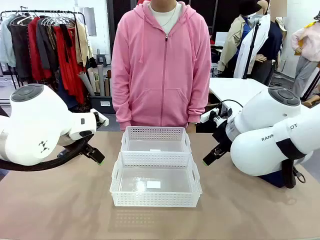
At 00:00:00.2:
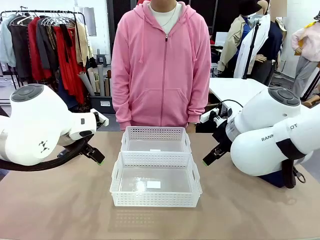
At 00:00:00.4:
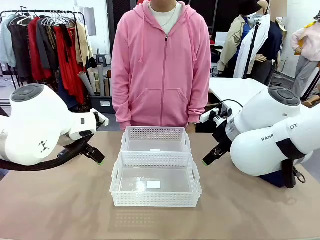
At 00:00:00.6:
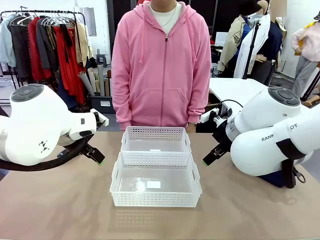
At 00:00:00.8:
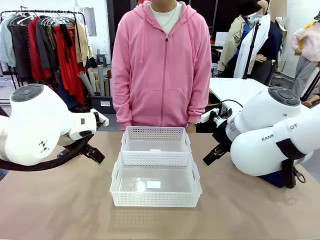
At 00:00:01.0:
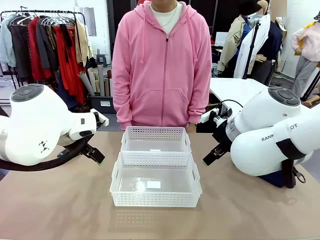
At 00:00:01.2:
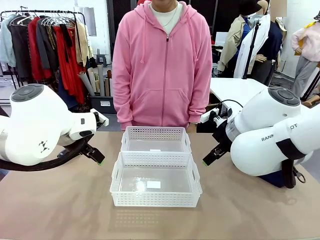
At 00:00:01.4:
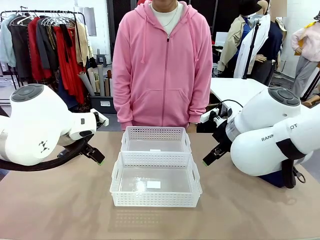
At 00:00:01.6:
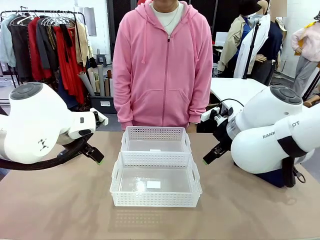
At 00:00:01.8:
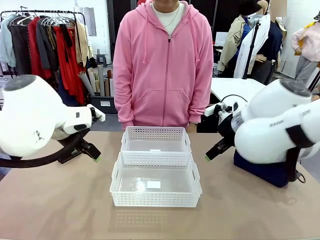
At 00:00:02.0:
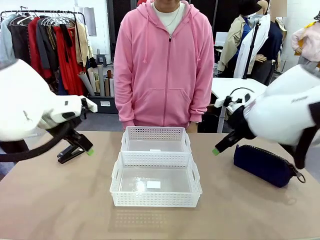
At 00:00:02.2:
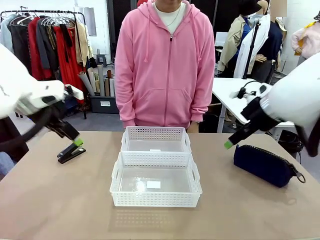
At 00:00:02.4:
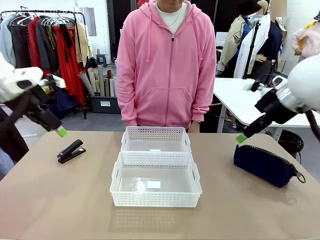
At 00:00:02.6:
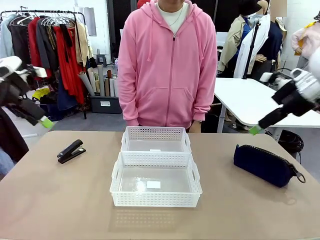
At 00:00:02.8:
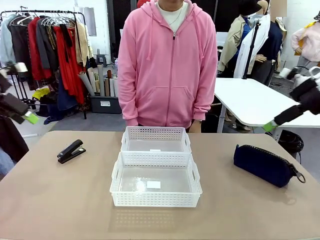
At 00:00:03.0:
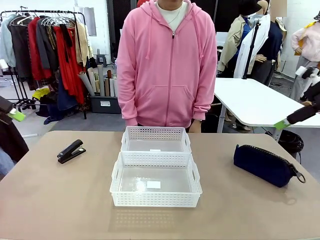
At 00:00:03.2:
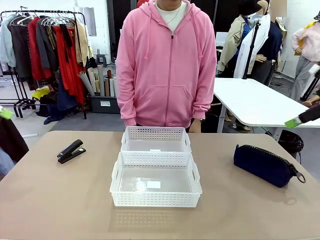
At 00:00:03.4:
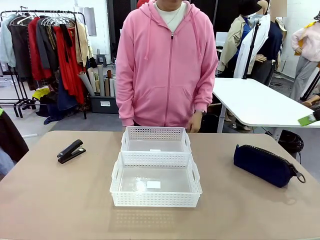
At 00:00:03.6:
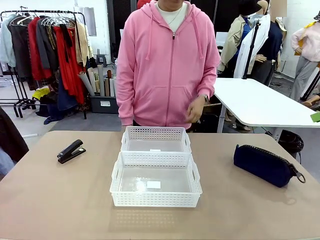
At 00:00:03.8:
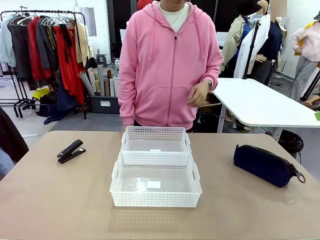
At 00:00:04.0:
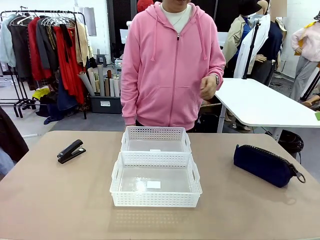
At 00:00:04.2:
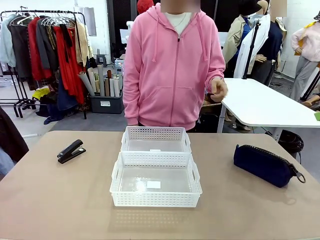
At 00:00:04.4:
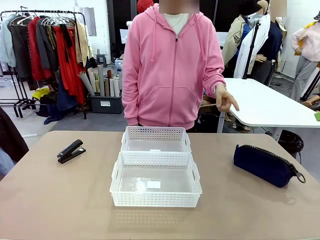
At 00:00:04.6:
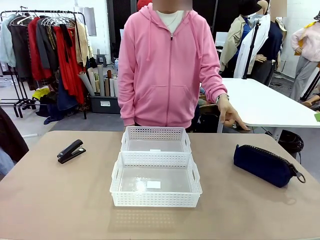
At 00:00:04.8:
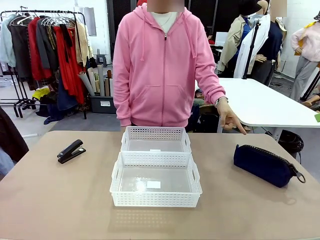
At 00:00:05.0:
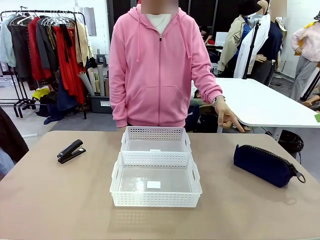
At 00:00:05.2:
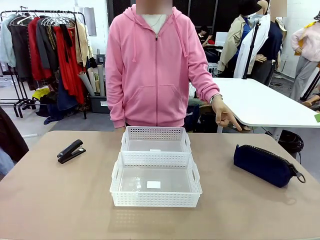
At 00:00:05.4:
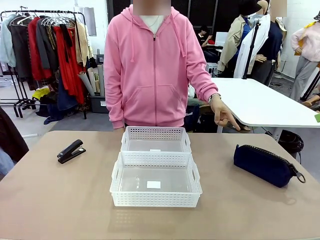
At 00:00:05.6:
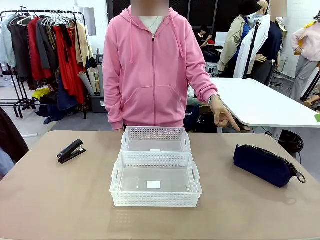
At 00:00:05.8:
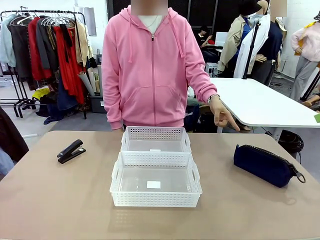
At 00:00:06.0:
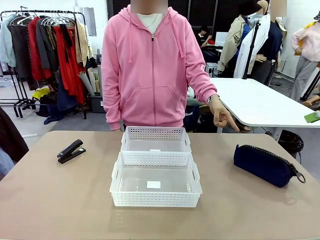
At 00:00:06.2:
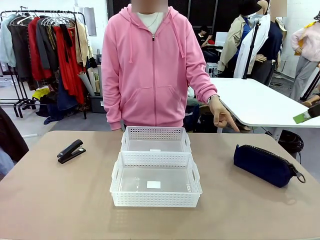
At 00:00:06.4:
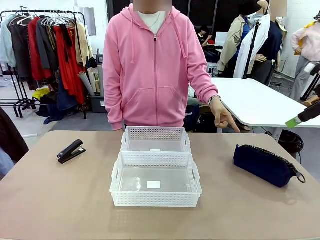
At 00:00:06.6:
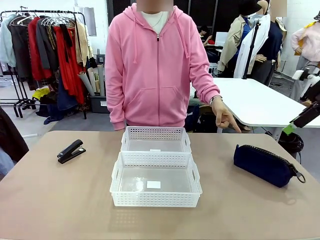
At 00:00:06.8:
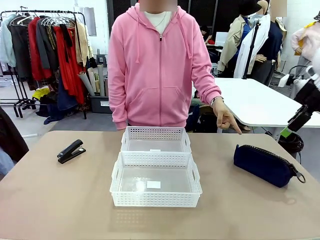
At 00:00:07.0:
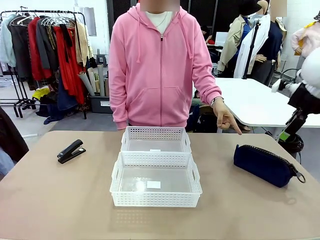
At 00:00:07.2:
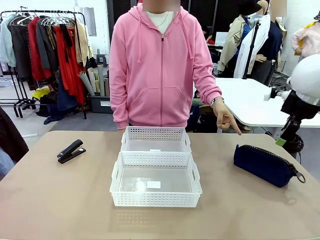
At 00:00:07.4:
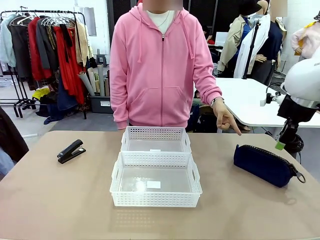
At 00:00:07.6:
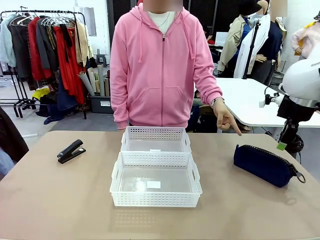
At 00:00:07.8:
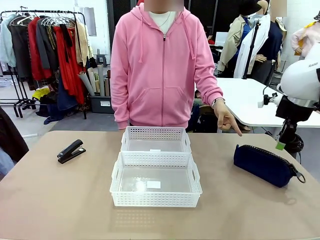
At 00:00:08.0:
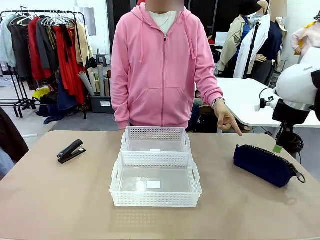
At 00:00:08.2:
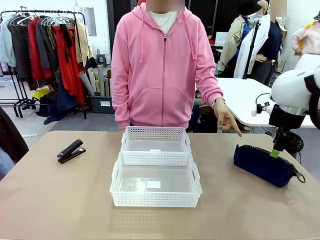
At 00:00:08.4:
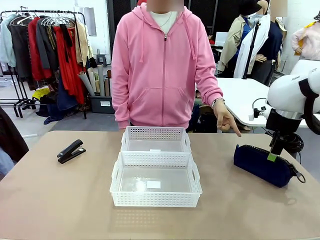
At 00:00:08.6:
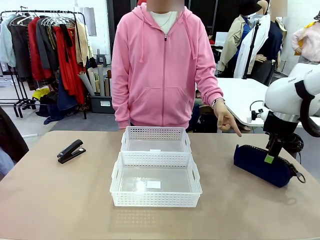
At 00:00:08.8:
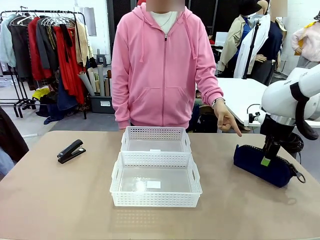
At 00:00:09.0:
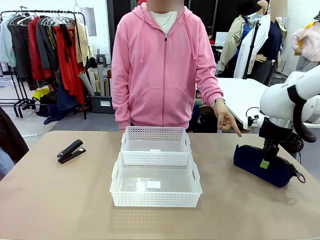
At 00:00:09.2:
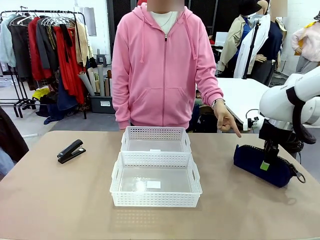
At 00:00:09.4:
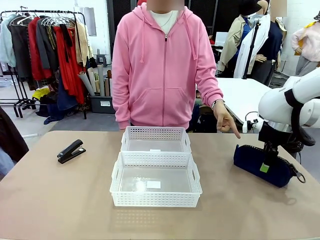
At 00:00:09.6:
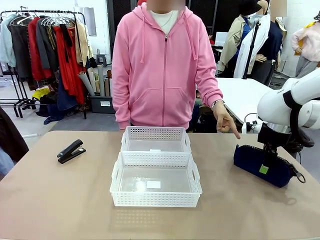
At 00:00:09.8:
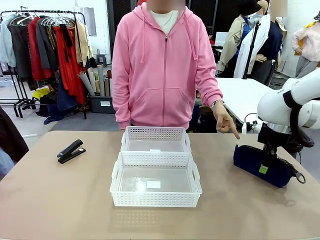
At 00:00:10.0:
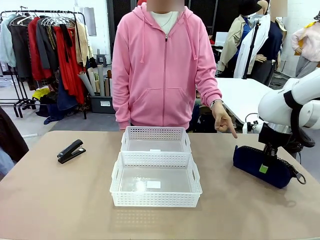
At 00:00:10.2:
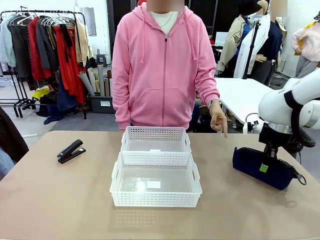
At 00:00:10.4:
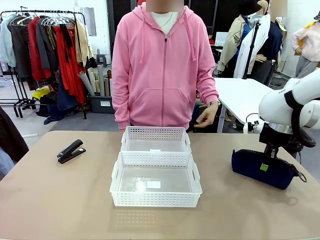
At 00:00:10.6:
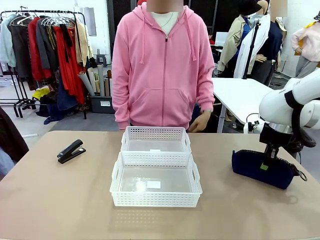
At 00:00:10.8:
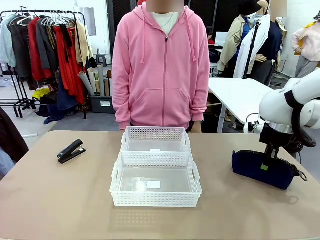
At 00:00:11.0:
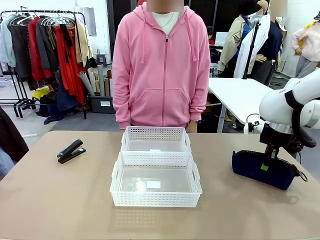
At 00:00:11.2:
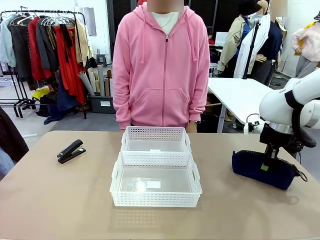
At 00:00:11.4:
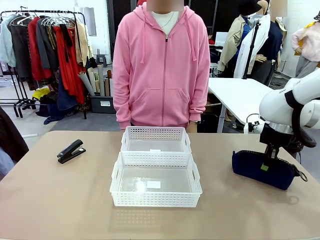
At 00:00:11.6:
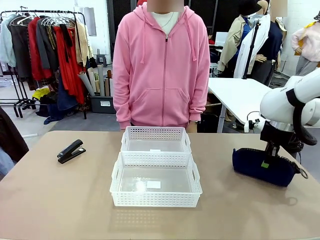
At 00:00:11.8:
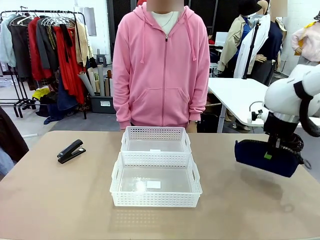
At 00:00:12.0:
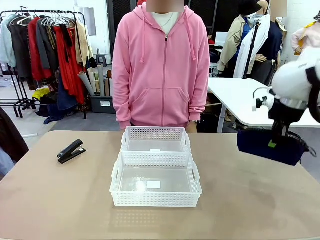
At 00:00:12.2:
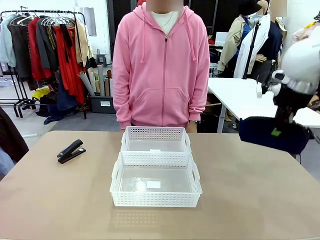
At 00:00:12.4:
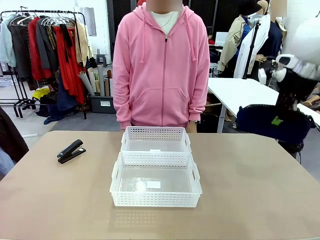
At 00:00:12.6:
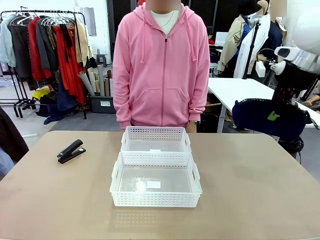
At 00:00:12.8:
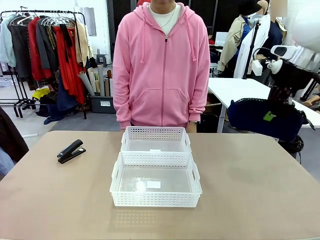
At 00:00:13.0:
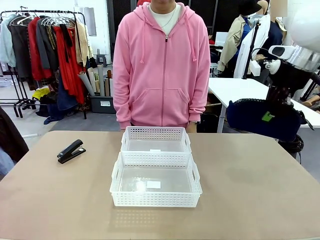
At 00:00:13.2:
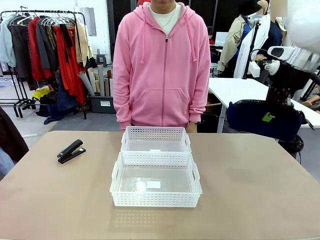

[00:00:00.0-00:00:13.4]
Task: Distribute items into two baskets.
Robot: Pick up the Pencil pouch that the person points to.
Person: Points to the pencil case. Points between the two organizing baskets and instructs the robot to move the pencil case.

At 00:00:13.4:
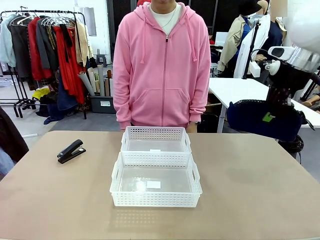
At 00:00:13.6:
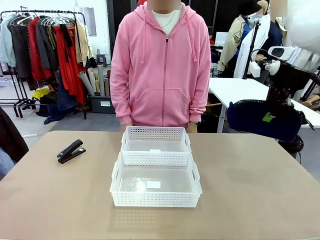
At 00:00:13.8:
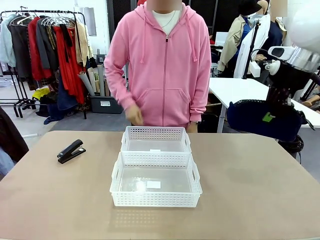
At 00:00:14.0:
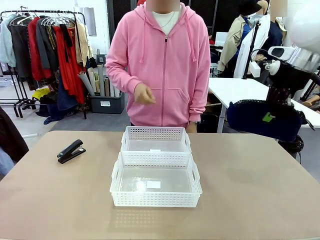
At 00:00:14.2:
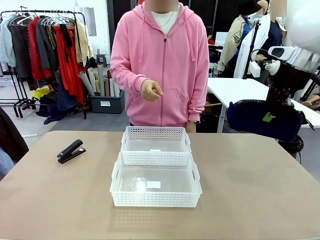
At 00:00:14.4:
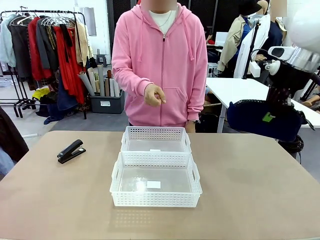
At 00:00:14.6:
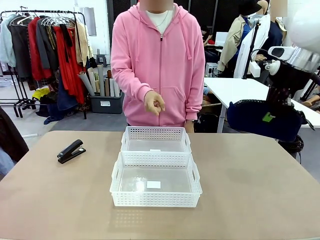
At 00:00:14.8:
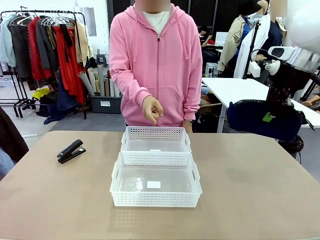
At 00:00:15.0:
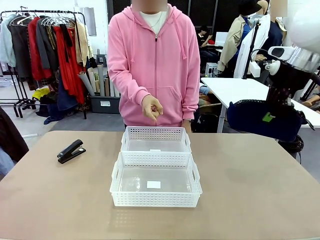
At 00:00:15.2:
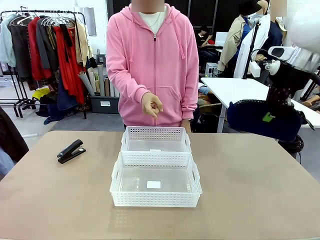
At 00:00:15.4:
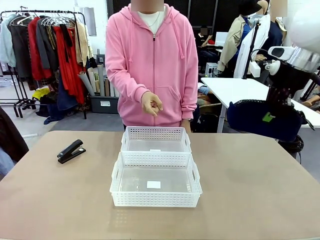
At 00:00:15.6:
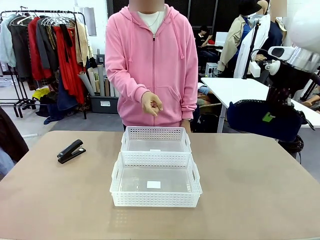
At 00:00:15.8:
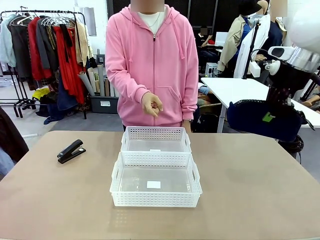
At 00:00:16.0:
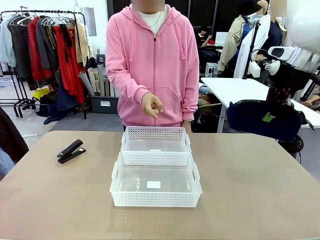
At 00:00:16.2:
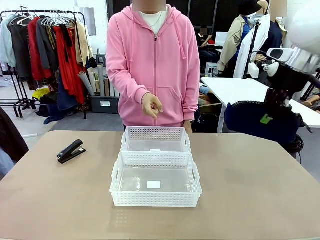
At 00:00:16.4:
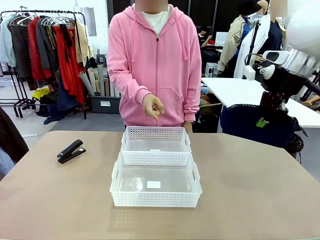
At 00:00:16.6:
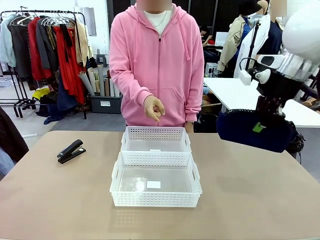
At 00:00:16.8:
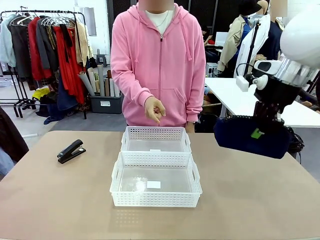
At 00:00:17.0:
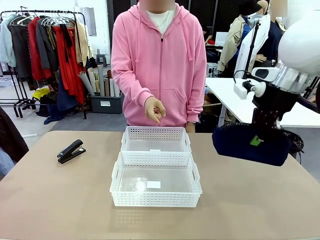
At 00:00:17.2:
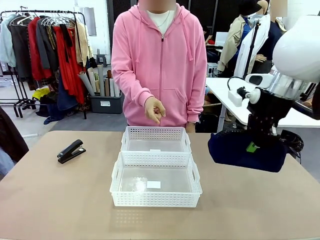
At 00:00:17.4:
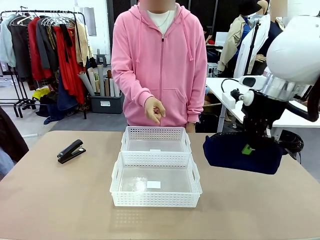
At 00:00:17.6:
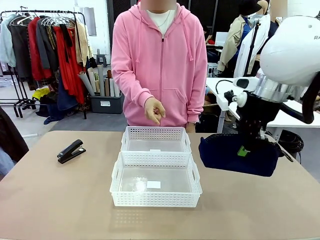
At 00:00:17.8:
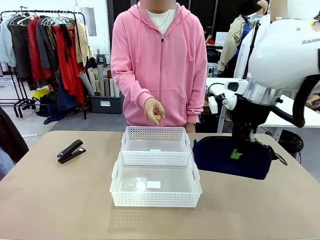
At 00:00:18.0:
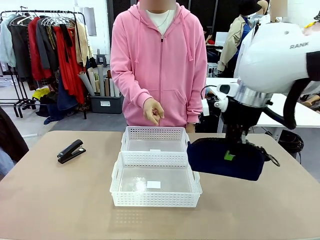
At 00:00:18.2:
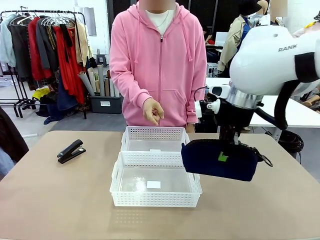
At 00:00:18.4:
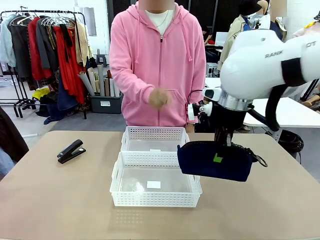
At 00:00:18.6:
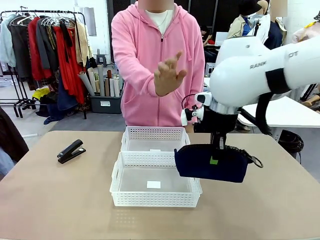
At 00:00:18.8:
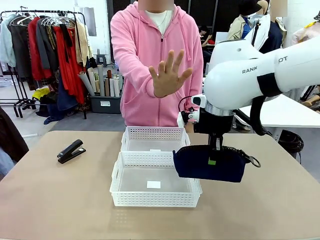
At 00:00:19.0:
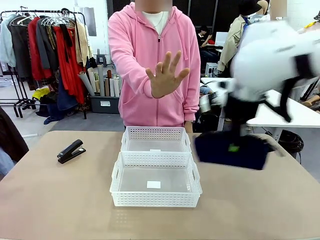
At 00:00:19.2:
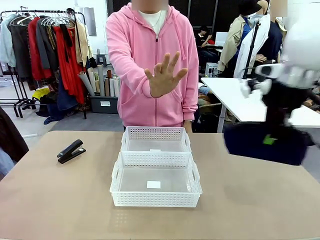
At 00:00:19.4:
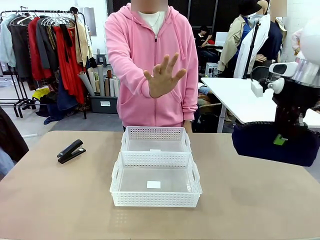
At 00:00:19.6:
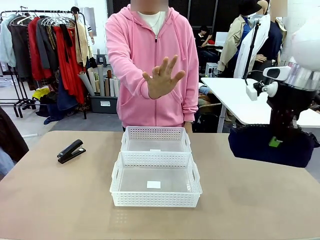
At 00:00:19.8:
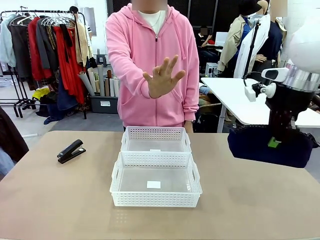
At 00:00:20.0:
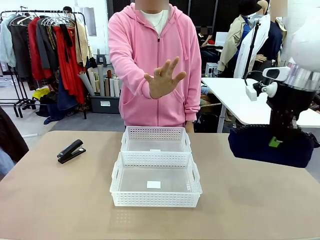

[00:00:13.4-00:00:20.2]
Robot: Move the picked Pencil pouch towards the Organizing basket indicated by the person, stopping as directed.
Person: Sends a stop gesture before the robot places the pencil case into the basket.
